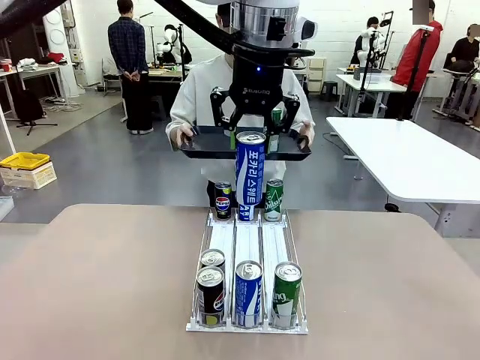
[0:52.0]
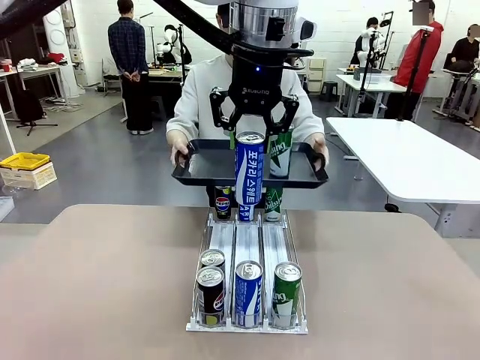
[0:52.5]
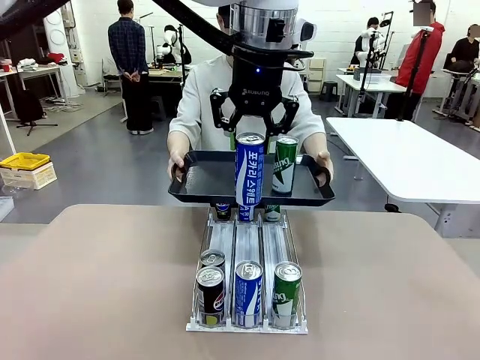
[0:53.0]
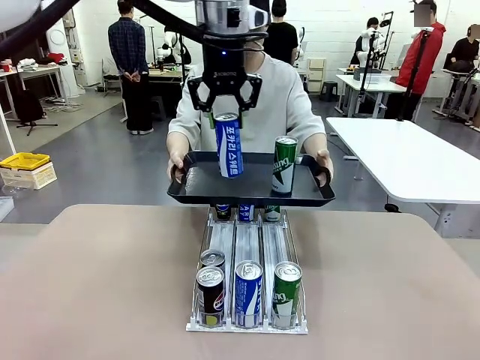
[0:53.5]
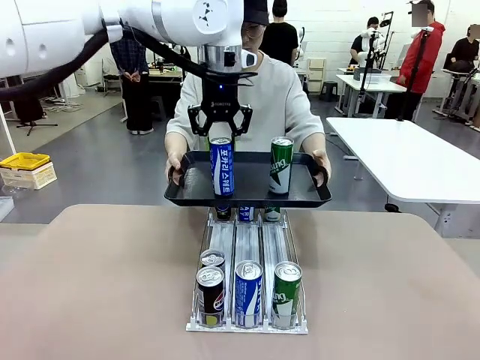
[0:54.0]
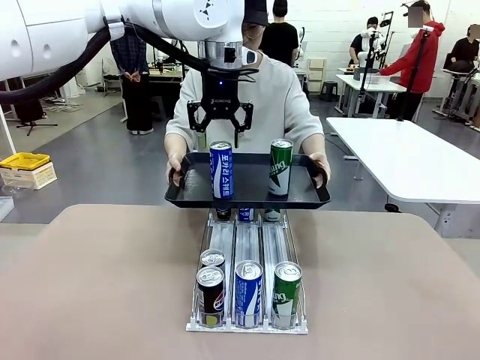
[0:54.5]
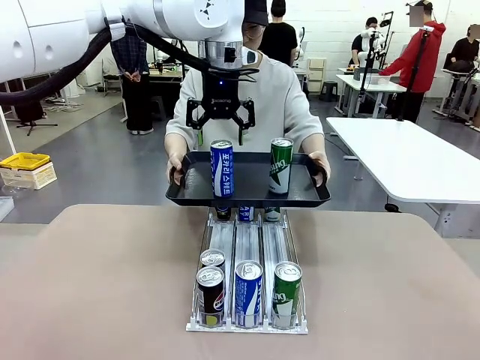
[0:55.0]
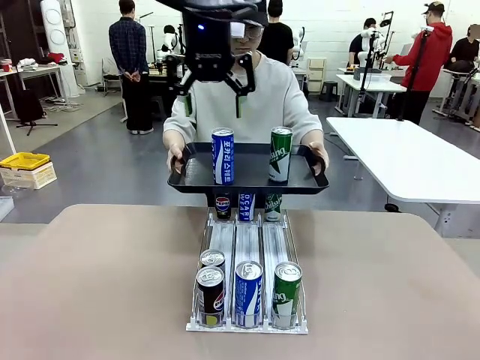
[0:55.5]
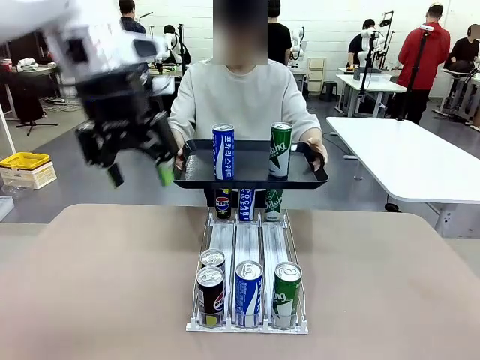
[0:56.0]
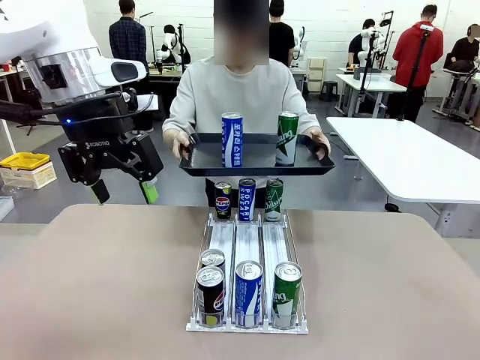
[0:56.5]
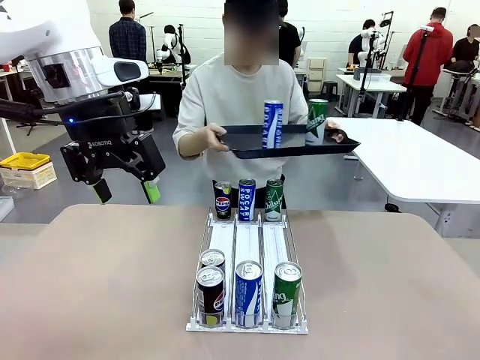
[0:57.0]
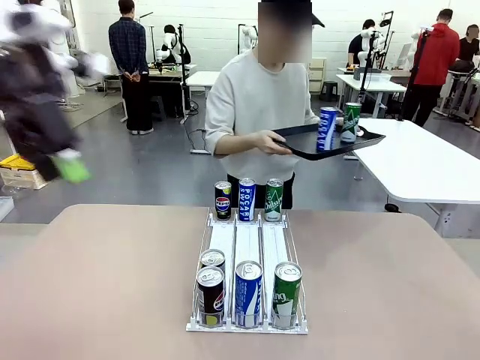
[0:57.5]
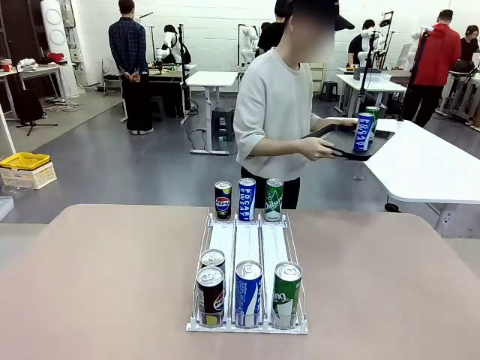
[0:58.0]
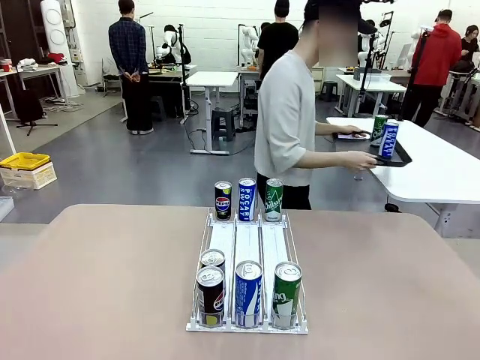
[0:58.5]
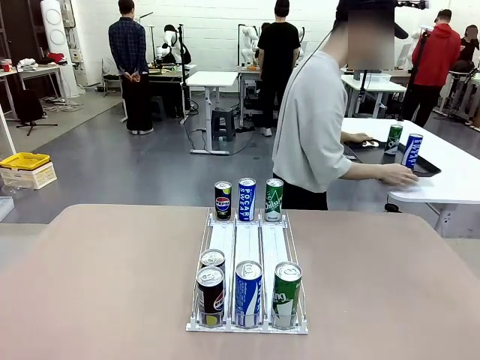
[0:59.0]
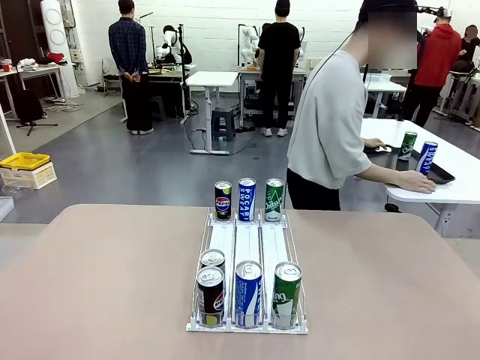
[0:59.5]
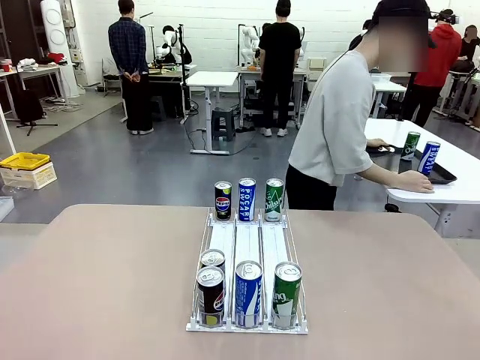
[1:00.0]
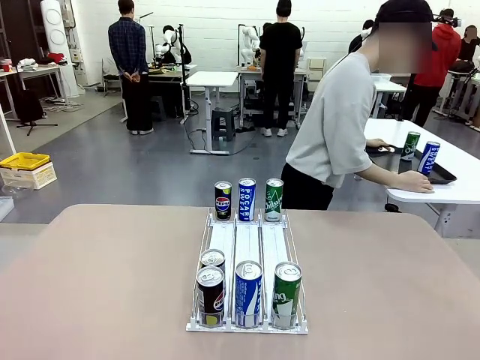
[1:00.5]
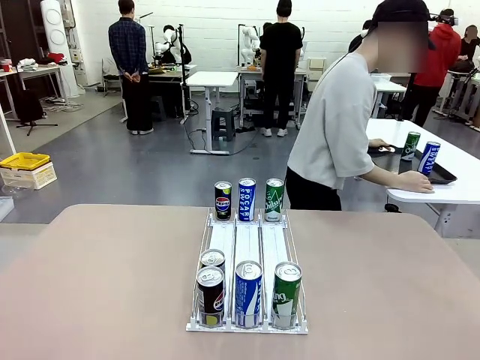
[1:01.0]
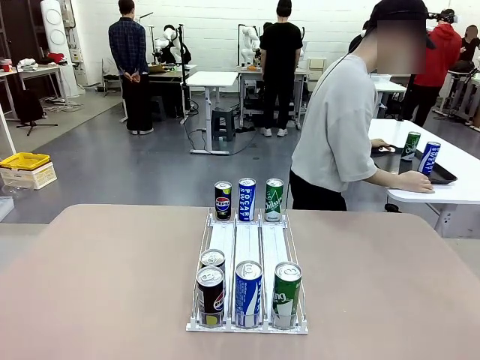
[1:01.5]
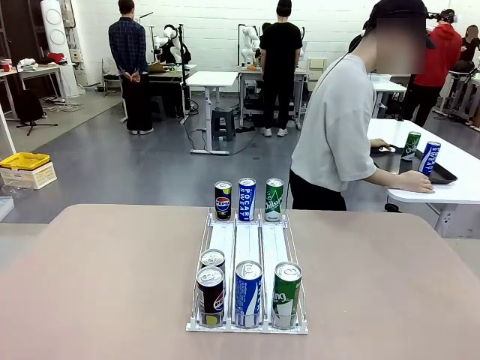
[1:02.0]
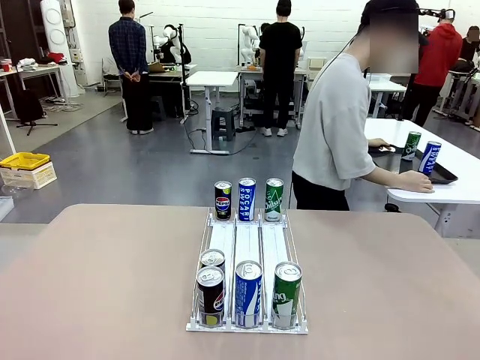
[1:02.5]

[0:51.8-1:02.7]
Task: Retrieve and hand over the desired beverage to the person.
Robot: Place the picked can on the Handle tray extended by the person.
Person: Pull the tray back and place it at the center of the human table.

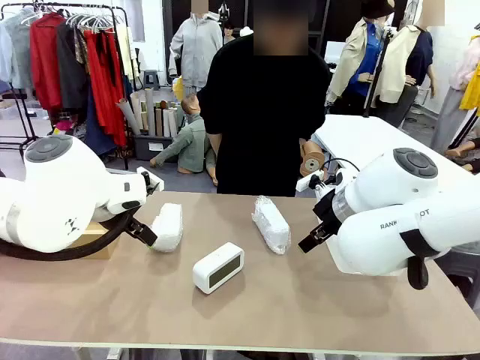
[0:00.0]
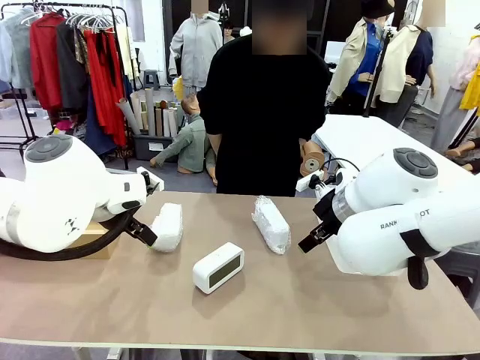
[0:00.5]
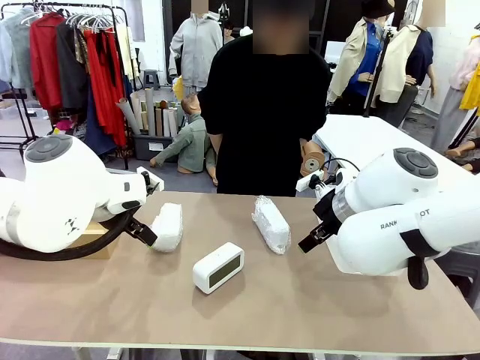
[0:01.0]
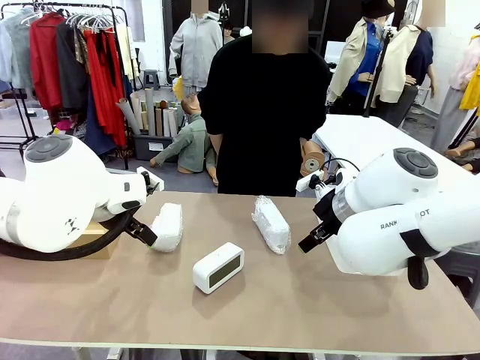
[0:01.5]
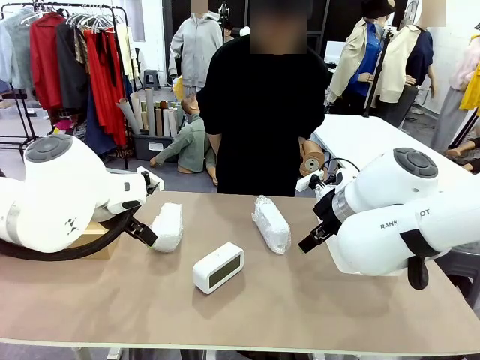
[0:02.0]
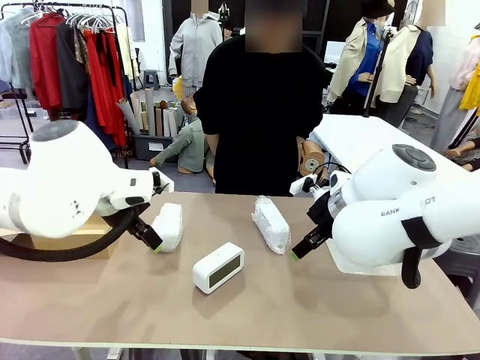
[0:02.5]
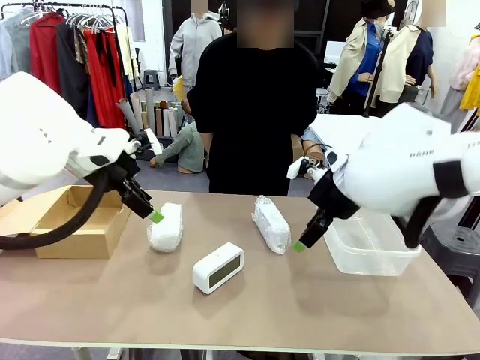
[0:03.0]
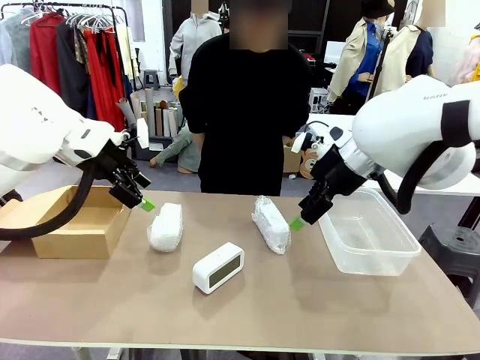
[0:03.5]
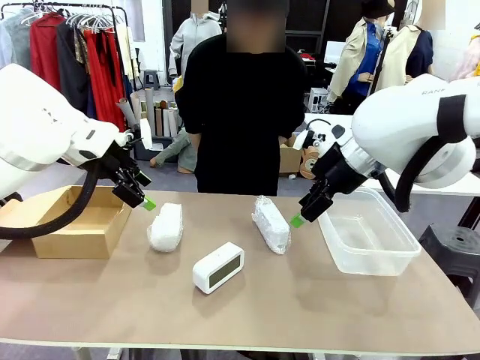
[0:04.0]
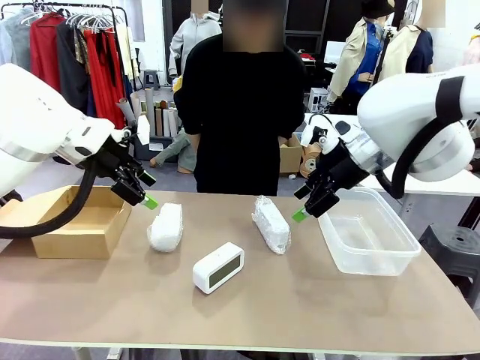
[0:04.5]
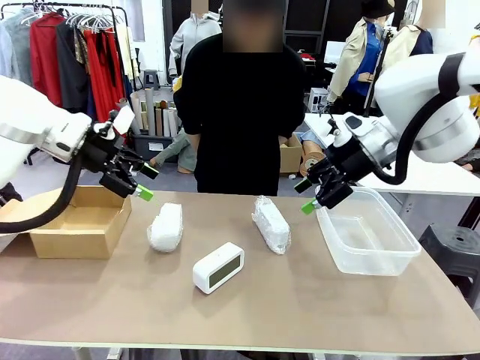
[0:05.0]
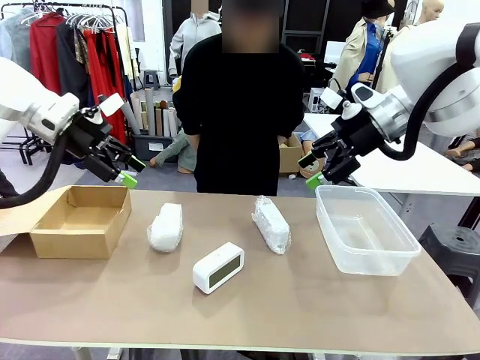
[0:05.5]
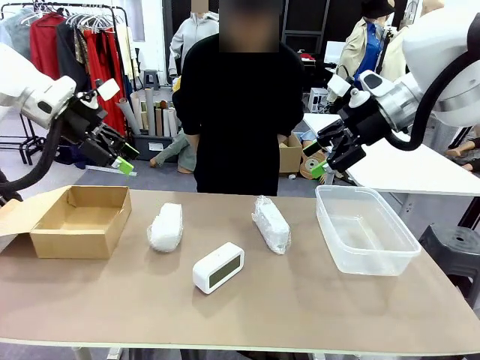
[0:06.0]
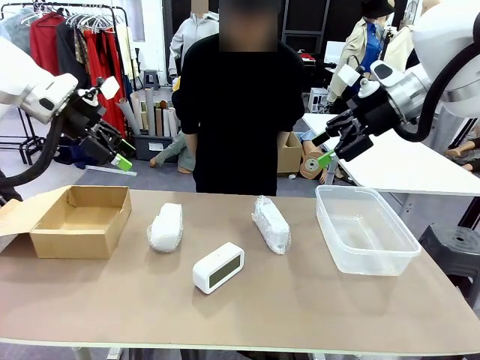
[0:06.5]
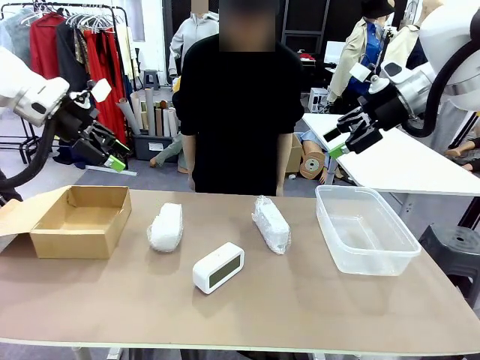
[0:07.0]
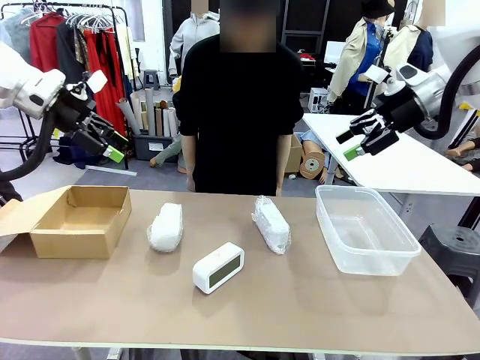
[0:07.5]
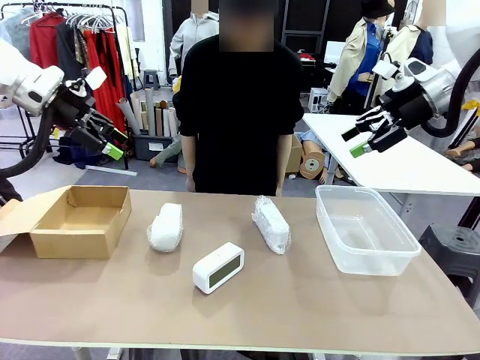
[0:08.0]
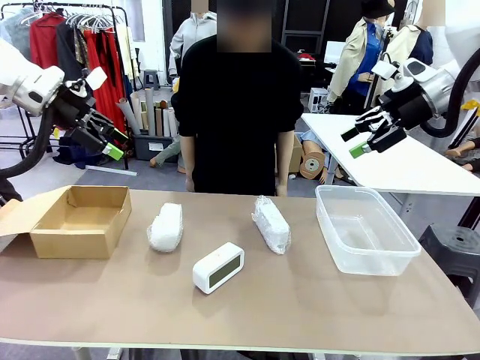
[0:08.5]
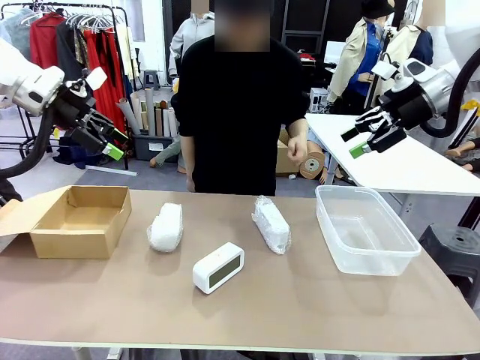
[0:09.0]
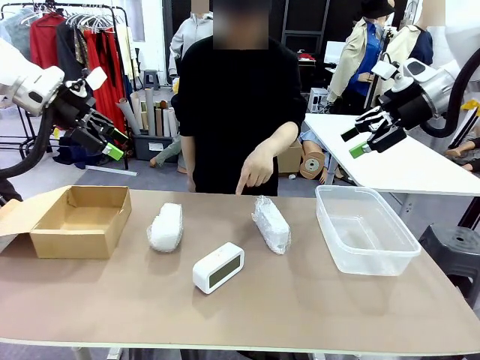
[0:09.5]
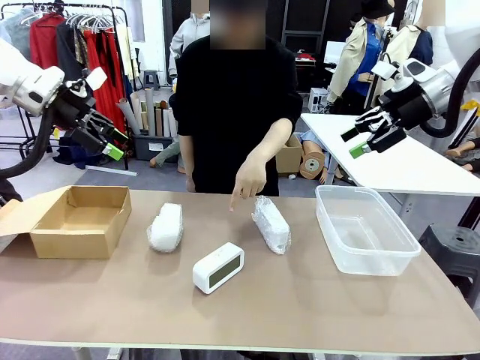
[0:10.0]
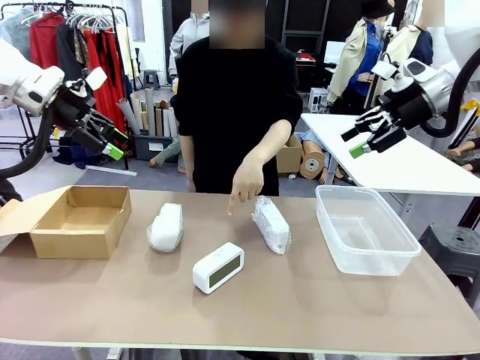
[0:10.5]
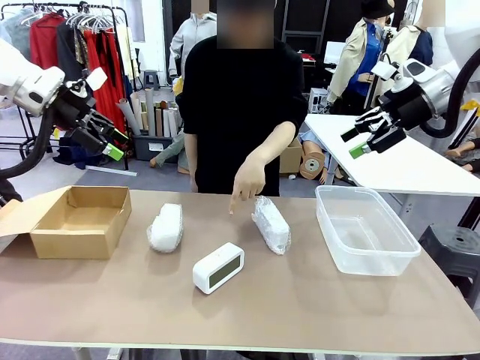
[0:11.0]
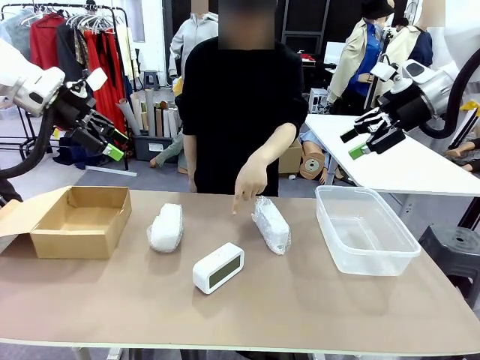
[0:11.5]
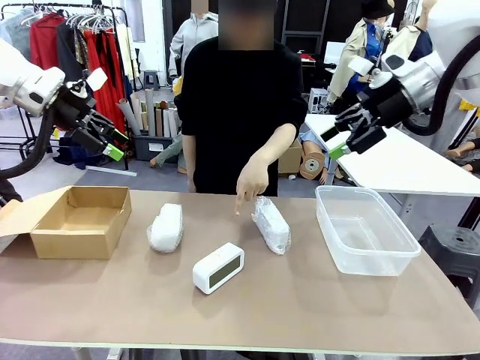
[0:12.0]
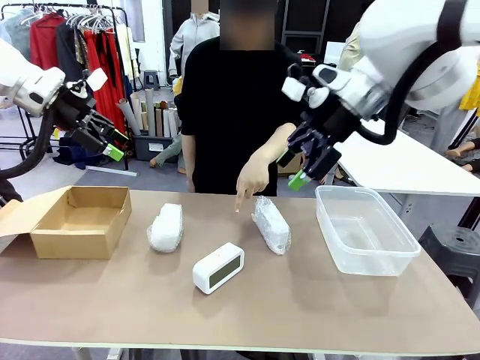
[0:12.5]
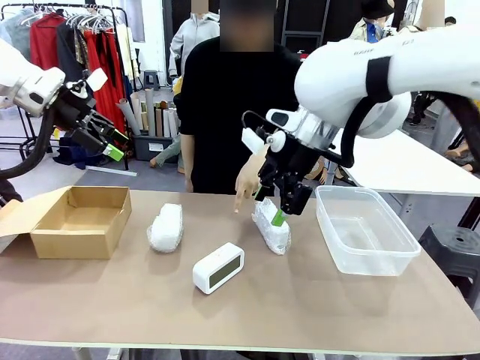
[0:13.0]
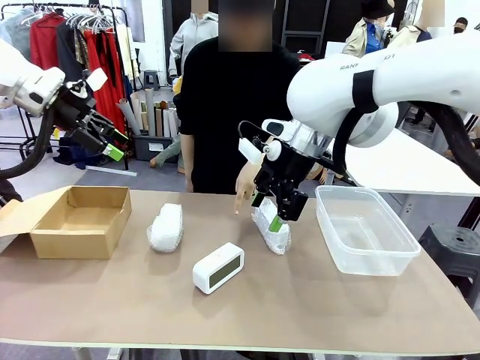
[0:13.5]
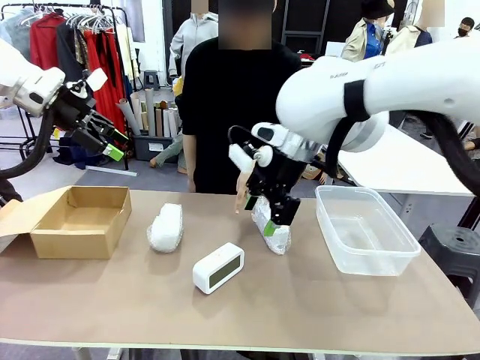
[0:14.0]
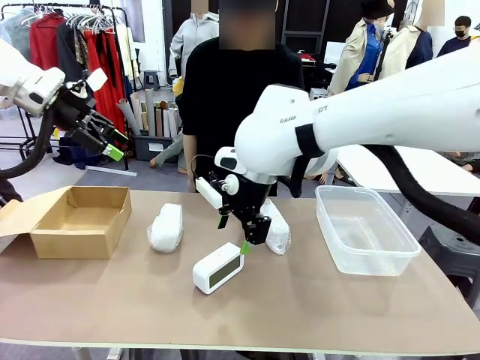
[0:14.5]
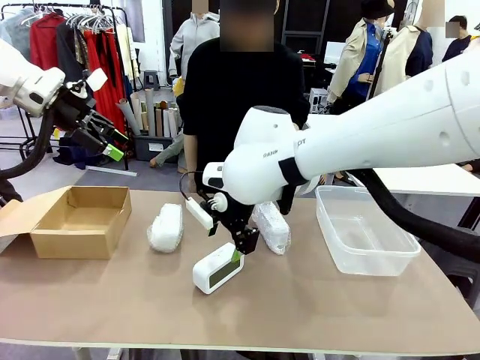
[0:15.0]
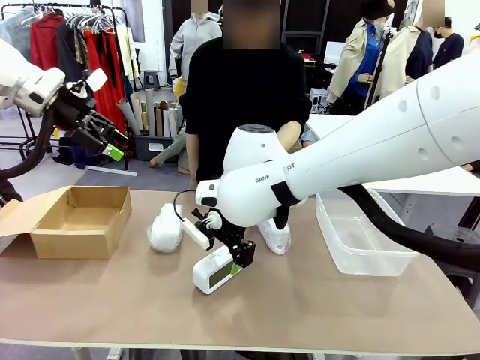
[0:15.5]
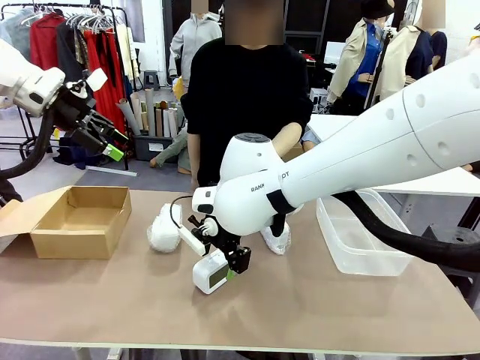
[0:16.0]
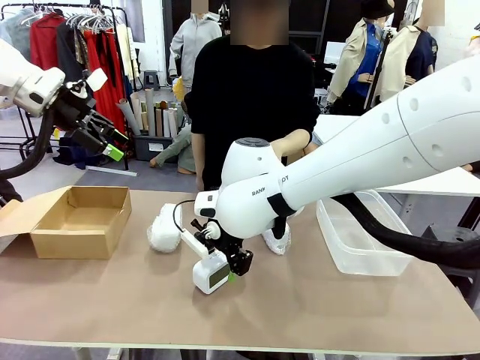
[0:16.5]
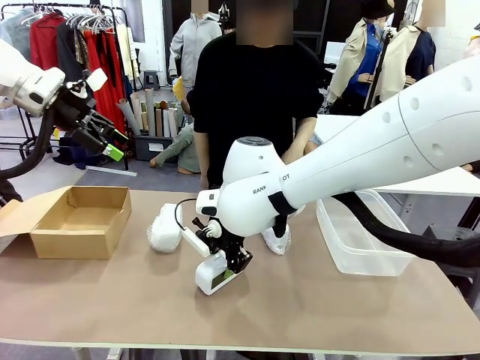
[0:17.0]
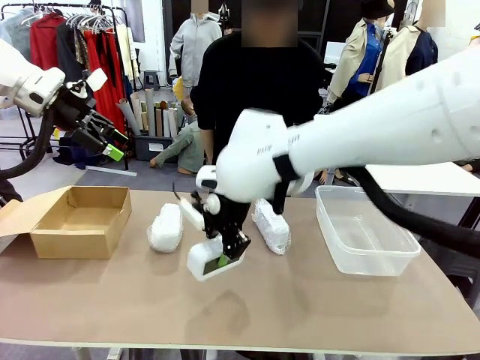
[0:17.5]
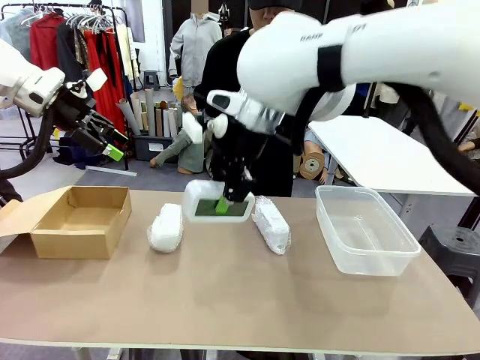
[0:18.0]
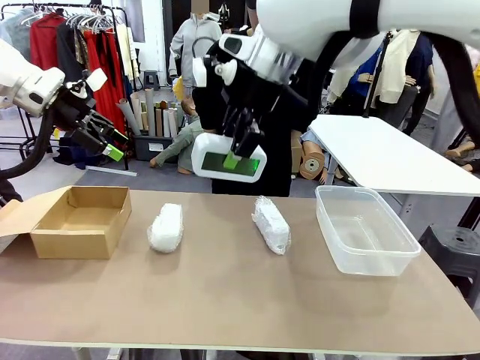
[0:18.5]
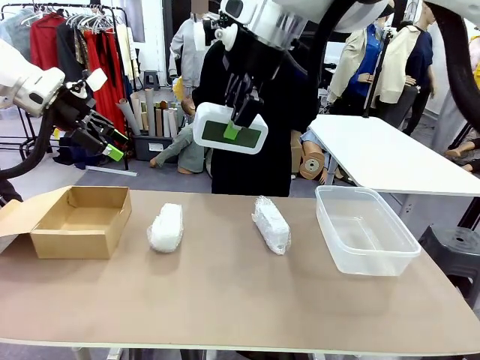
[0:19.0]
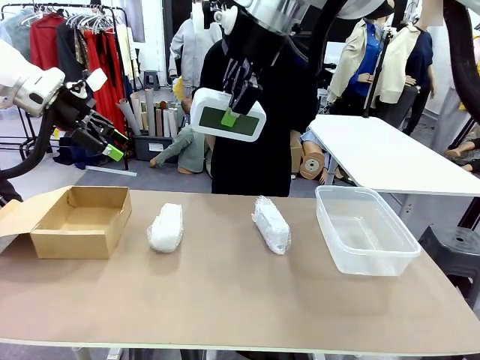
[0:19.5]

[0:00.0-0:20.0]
Task: Separate and place wrapped and unwrapped clocks.
Robot: Pick up the Digital clock indicated by the person.
